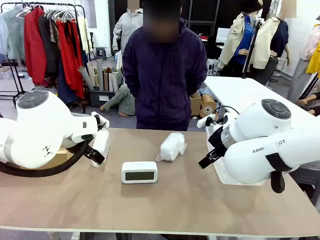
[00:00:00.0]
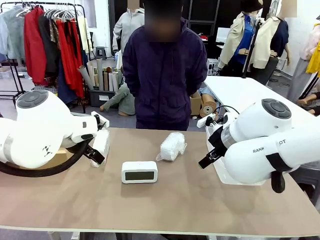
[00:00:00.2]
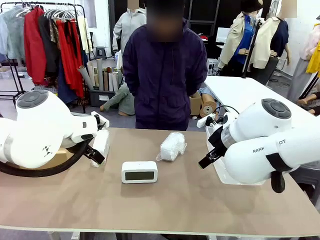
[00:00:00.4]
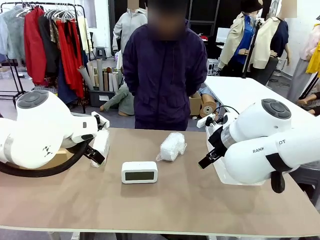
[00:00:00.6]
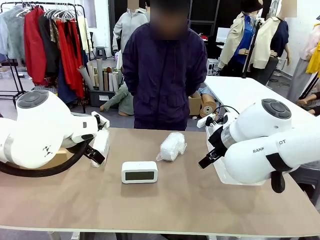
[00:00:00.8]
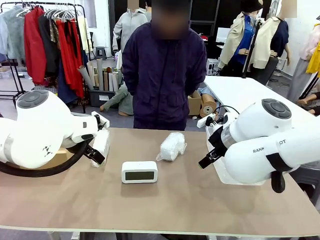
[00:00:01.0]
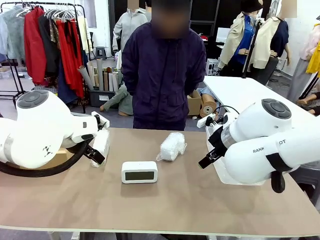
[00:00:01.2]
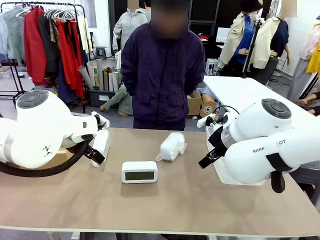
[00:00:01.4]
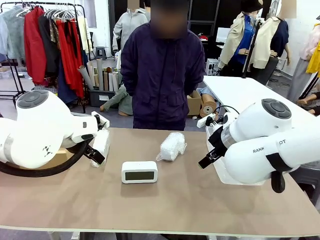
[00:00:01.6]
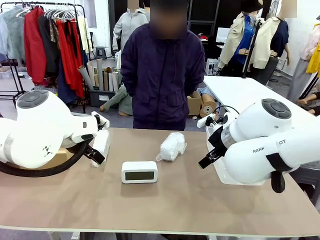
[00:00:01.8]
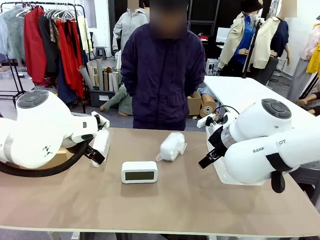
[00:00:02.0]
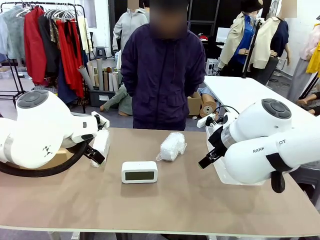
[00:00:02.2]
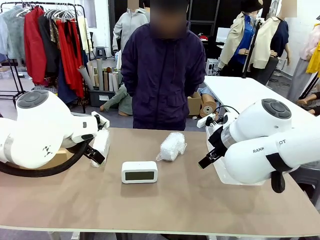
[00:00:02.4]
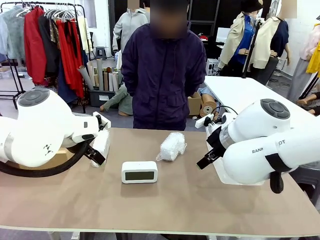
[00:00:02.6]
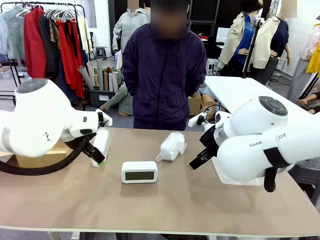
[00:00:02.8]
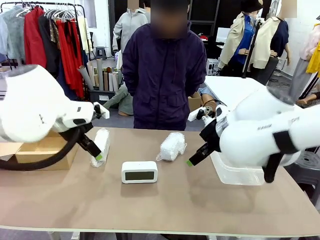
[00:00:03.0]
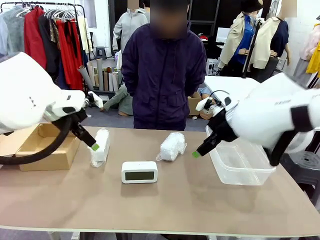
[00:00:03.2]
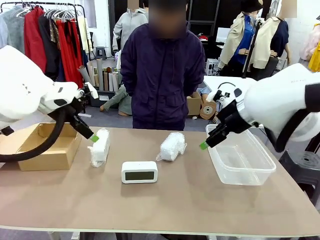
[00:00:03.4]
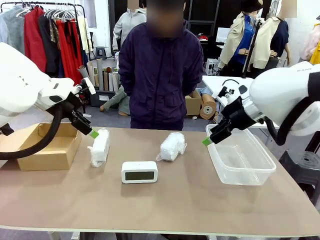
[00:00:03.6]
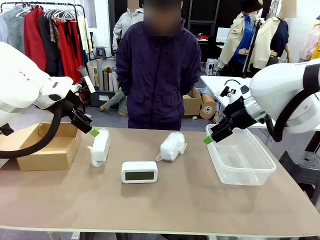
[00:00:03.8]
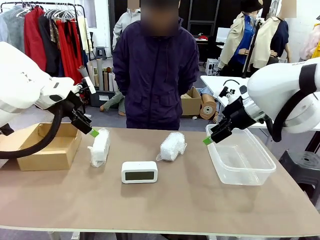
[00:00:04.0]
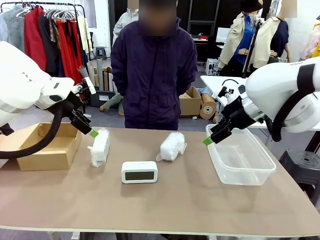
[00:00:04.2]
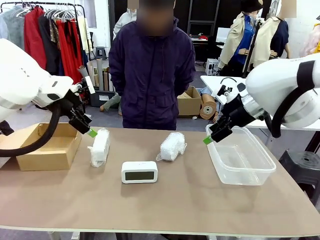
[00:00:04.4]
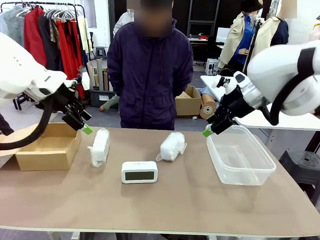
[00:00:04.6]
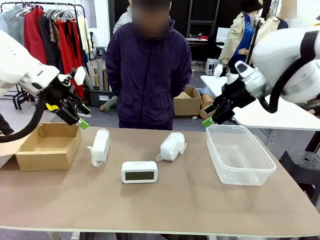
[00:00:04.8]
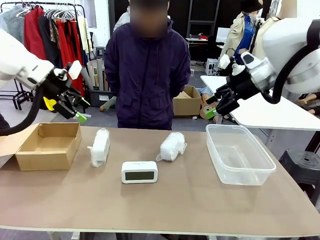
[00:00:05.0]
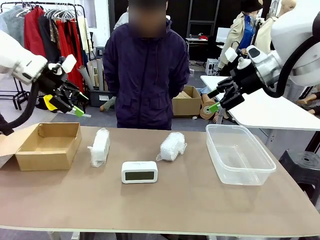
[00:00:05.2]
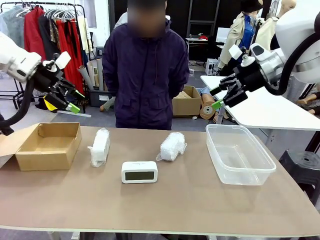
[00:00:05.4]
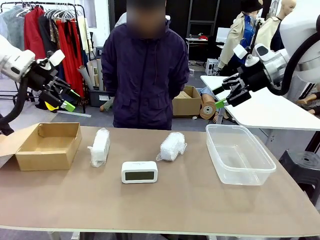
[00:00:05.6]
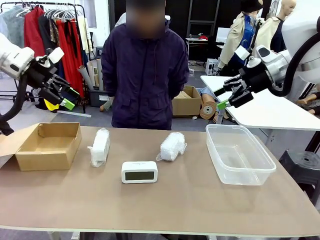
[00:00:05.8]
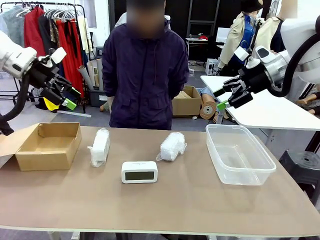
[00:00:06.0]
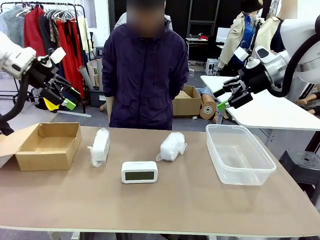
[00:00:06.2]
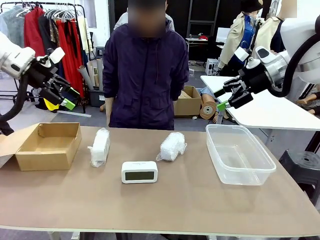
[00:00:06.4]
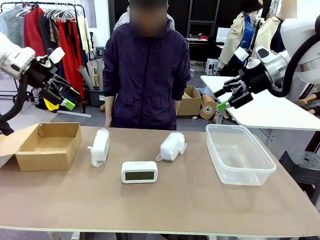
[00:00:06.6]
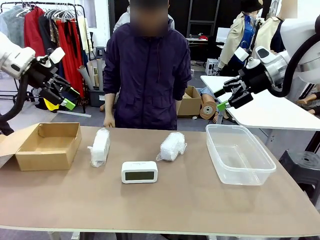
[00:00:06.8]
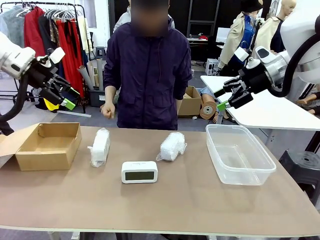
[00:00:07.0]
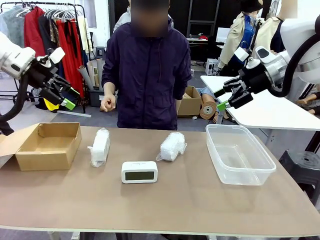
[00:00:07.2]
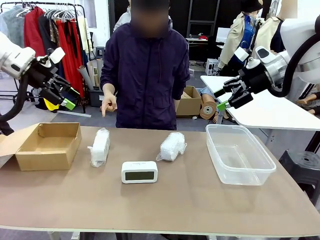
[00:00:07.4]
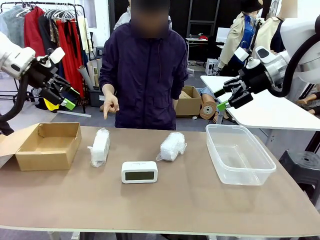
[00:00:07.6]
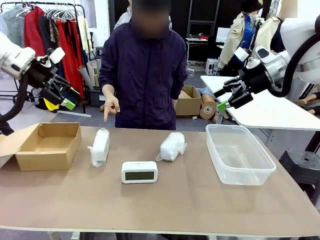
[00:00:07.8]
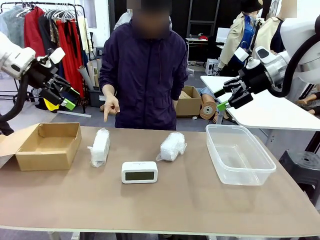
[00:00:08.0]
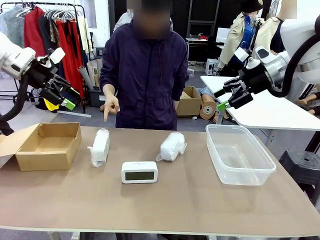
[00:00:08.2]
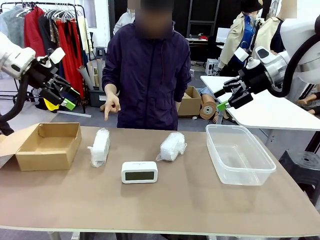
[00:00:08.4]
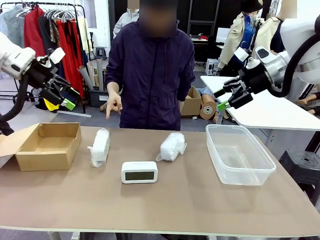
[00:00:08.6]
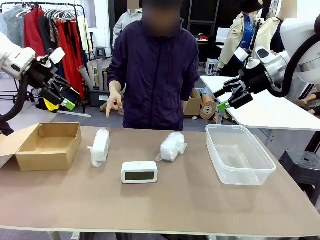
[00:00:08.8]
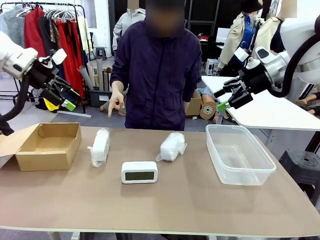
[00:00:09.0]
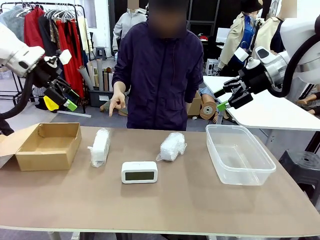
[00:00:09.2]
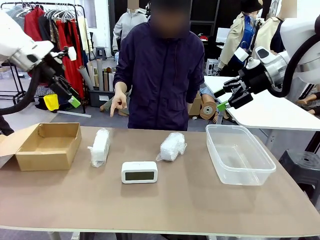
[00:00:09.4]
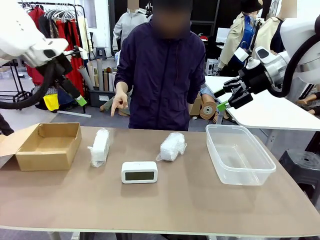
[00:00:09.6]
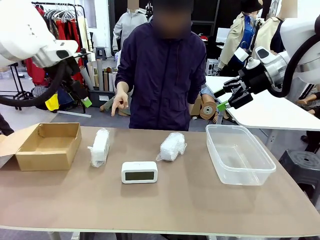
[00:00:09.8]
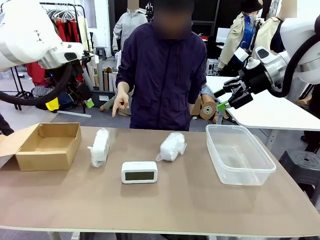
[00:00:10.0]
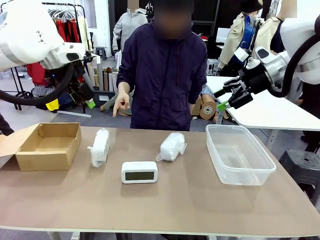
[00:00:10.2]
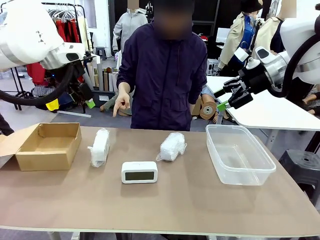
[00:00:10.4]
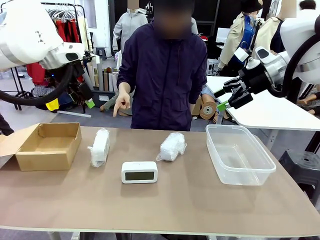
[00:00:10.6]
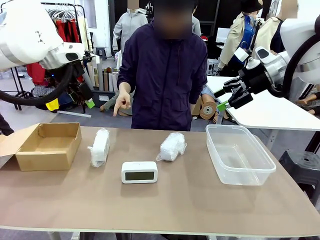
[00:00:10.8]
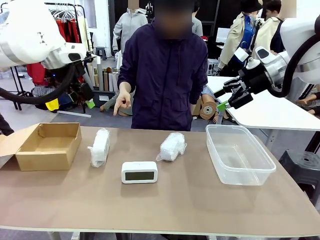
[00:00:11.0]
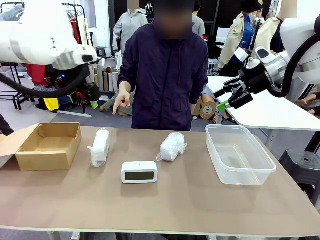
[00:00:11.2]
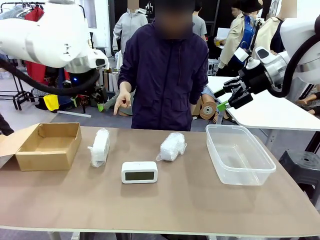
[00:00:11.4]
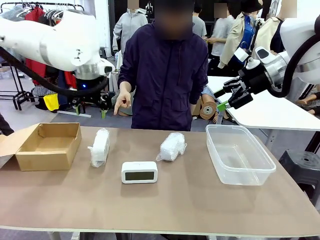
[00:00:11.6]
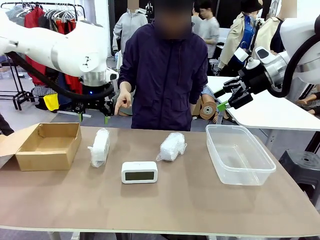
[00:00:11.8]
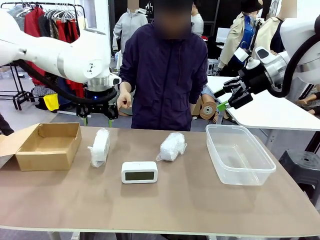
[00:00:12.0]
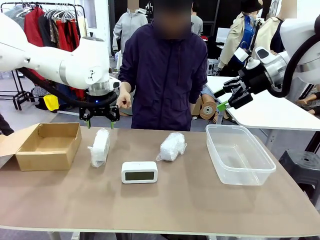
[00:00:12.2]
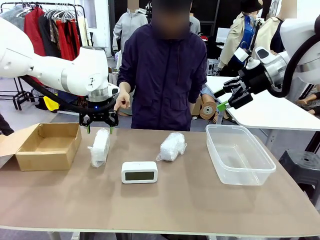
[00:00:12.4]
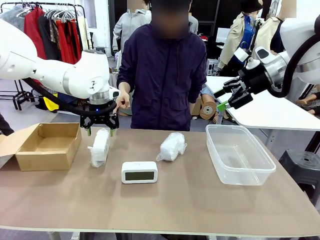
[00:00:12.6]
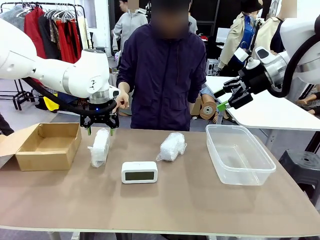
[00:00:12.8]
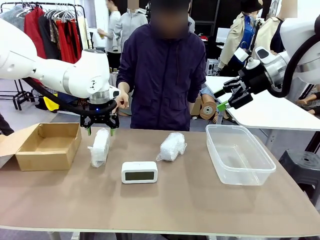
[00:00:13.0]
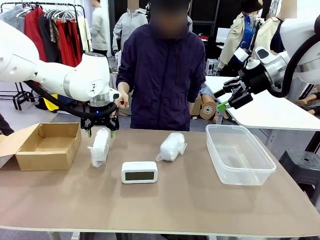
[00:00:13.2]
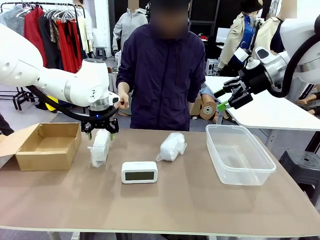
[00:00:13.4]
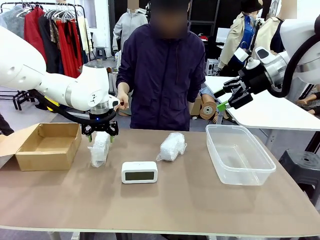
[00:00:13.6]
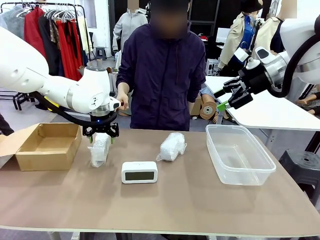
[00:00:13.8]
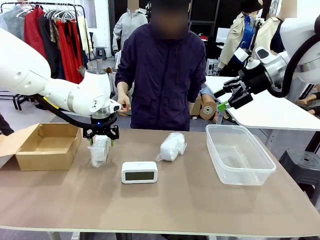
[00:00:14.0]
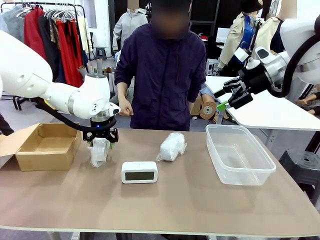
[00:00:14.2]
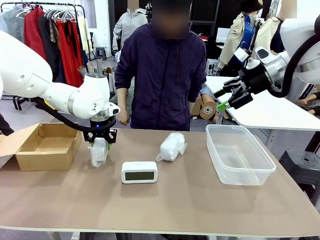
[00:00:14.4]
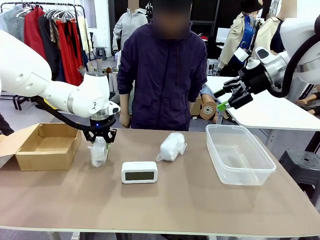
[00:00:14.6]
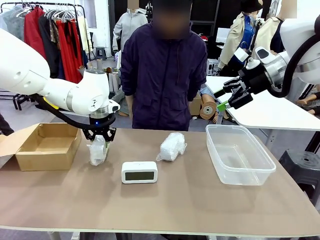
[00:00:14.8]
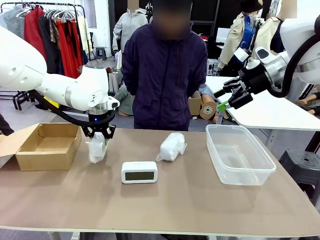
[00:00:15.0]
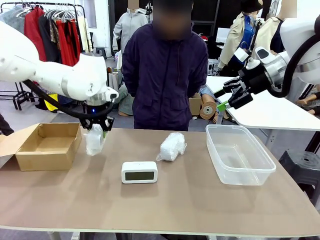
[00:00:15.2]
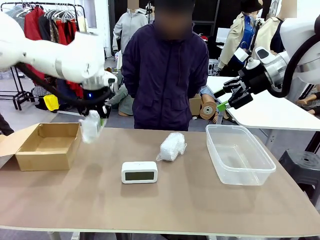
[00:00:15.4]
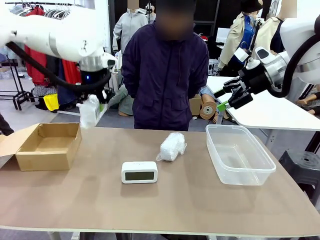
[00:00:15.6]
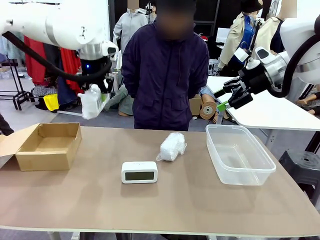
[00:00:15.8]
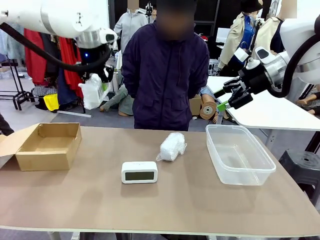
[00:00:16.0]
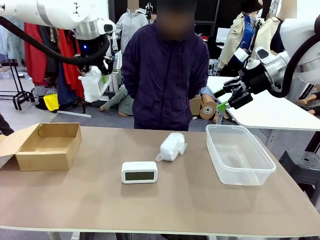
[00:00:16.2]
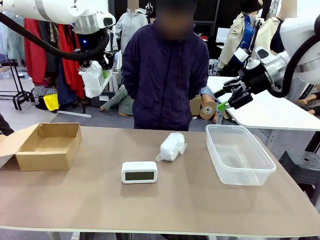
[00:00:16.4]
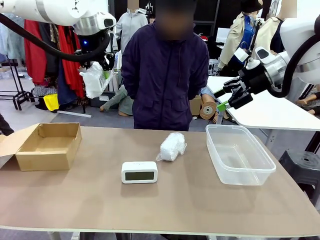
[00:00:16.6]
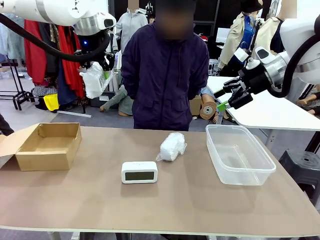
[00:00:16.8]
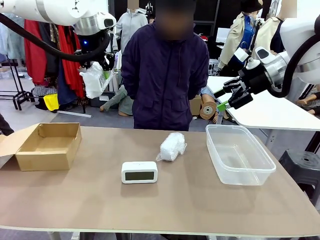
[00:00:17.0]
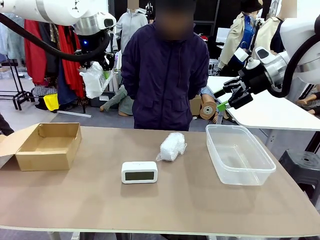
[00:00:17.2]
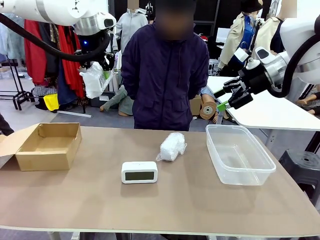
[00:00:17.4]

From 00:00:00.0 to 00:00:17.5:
Task: Separate and place wrapped and unwrapped clocks.
Robot: Pick up the Digital clock indicated by the person.

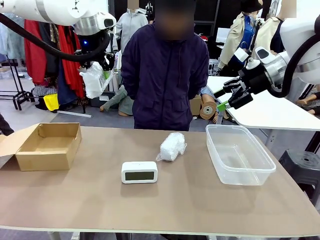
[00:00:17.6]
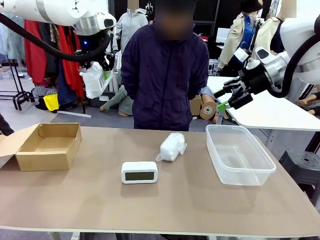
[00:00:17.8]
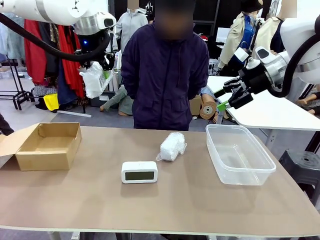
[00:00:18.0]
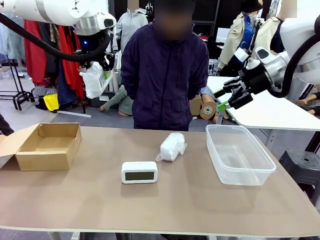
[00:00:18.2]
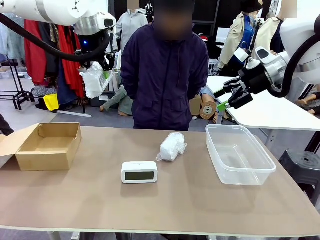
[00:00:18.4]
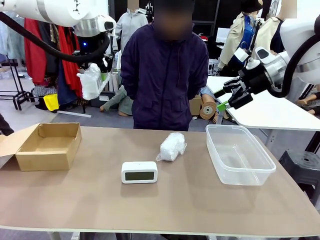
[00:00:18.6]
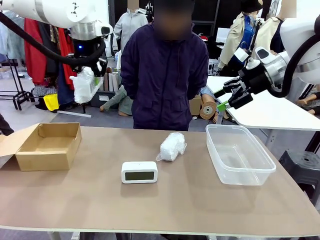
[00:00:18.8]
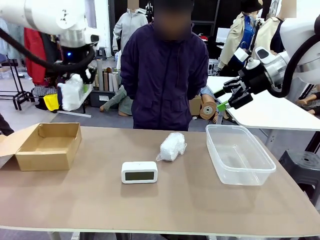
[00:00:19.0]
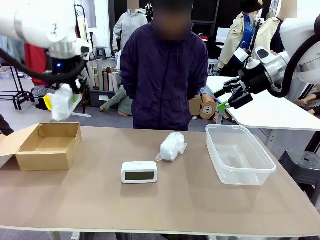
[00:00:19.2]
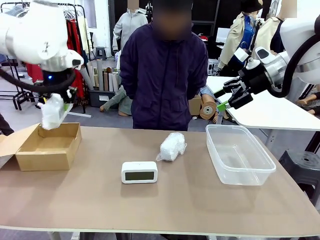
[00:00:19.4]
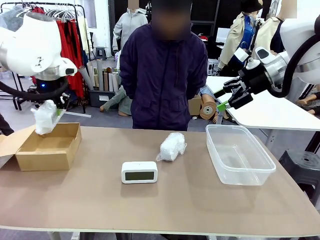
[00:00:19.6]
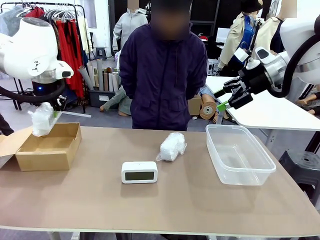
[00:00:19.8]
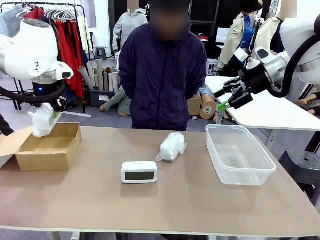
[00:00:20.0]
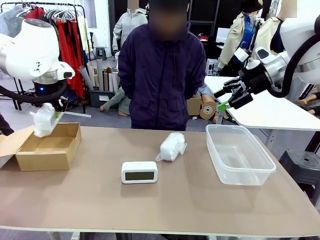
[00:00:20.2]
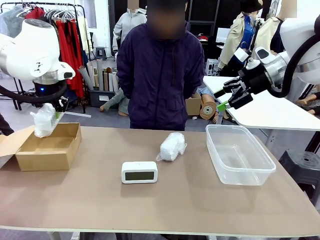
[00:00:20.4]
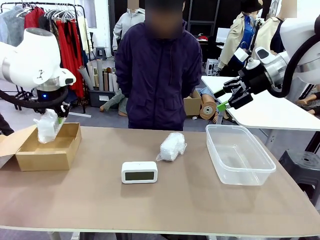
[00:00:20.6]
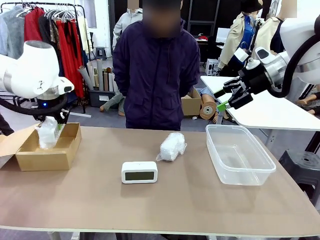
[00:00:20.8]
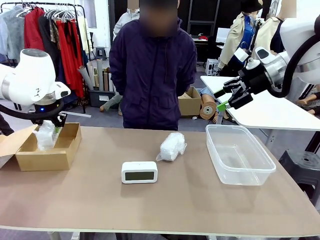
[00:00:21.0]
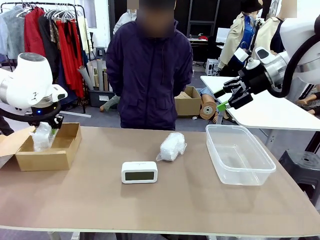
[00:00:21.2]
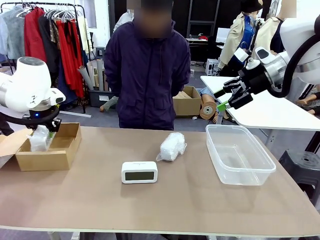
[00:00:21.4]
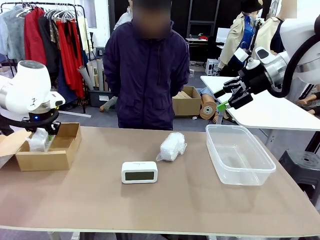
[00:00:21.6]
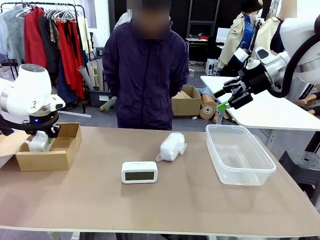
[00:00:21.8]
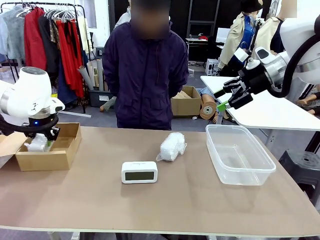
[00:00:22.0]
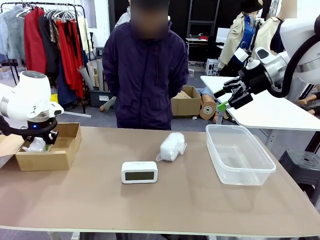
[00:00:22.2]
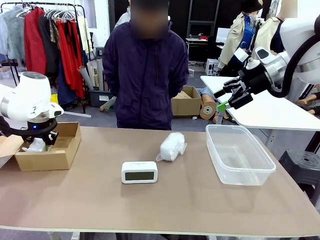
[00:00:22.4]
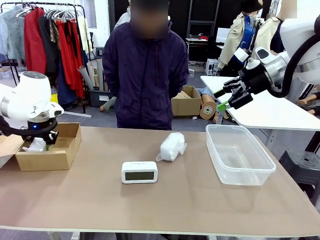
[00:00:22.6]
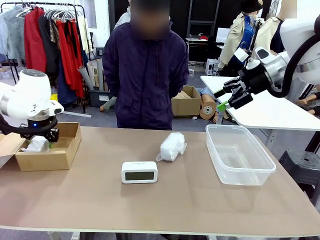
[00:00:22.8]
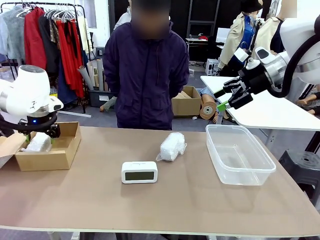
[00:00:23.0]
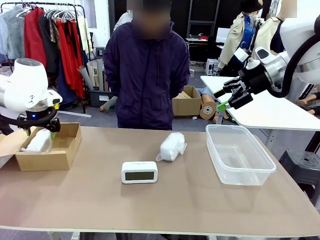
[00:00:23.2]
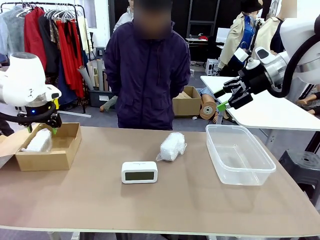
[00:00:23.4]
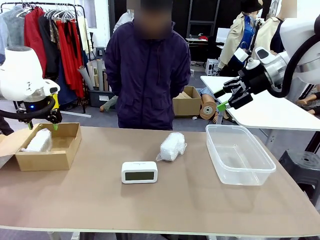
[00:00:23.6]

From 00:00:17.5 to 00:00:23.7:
Robot: If the picked Digital clock is wrapped, place it in the Package Box ; if not, place it in the Organizing box.
